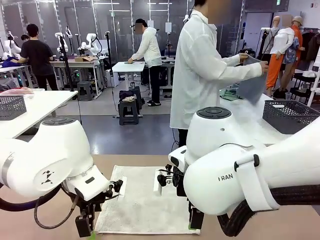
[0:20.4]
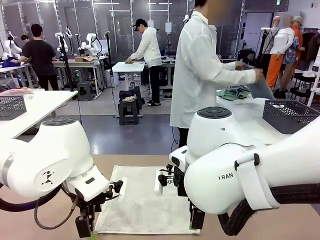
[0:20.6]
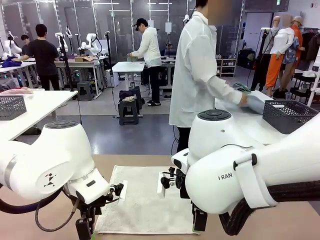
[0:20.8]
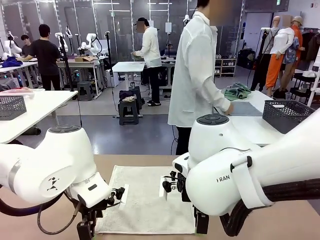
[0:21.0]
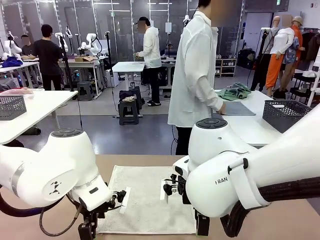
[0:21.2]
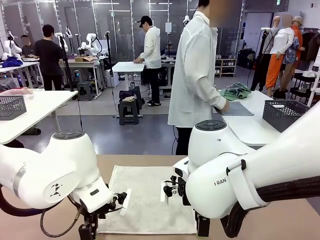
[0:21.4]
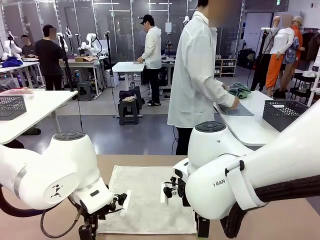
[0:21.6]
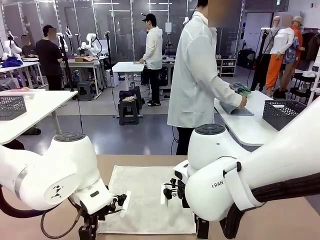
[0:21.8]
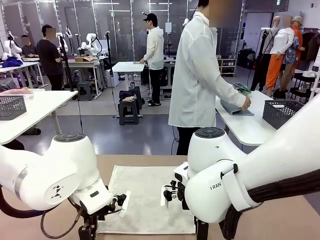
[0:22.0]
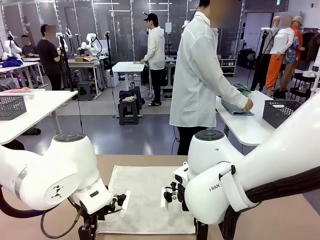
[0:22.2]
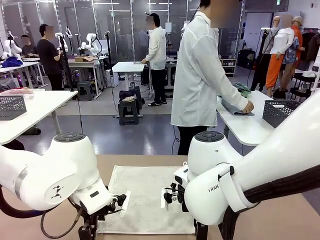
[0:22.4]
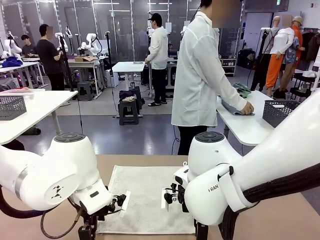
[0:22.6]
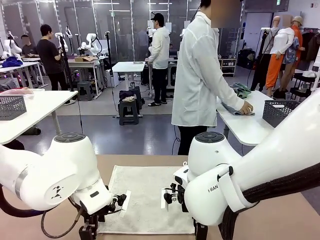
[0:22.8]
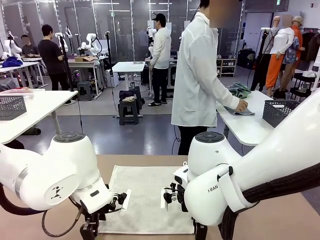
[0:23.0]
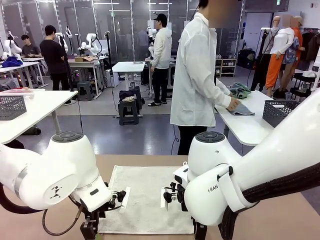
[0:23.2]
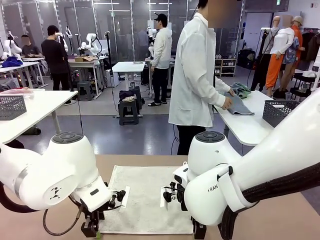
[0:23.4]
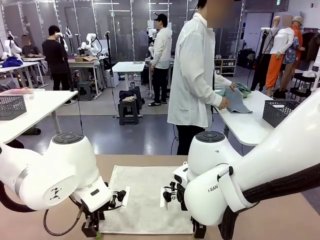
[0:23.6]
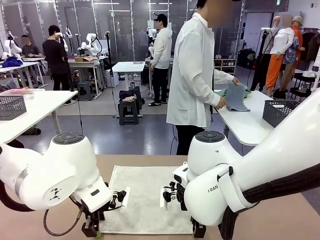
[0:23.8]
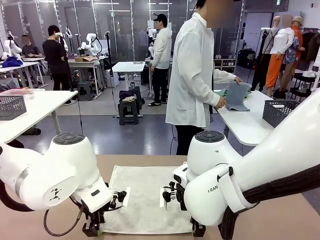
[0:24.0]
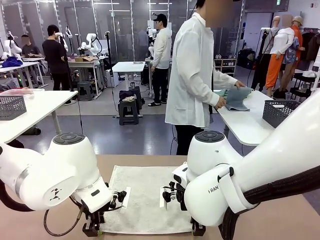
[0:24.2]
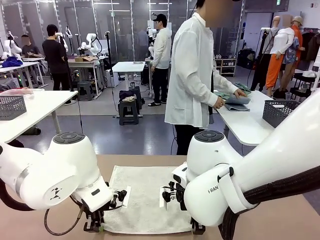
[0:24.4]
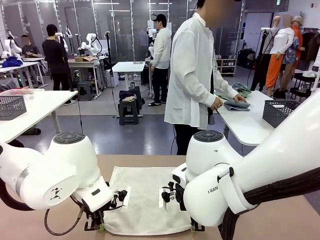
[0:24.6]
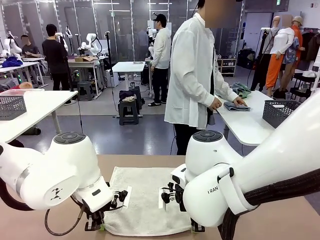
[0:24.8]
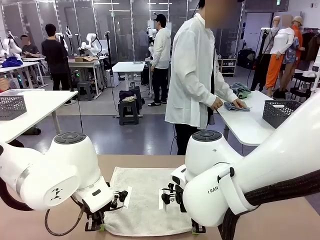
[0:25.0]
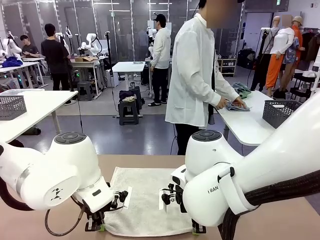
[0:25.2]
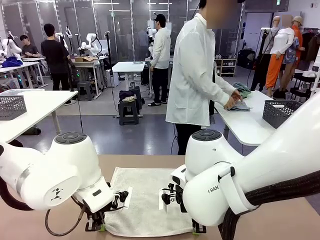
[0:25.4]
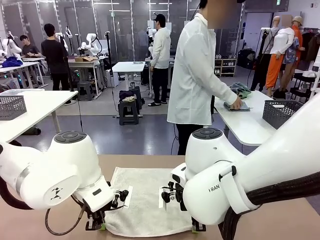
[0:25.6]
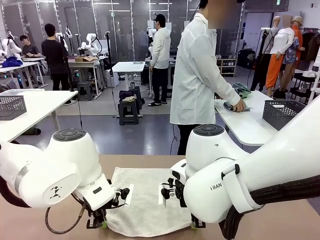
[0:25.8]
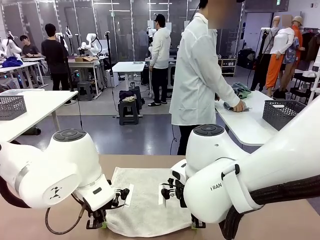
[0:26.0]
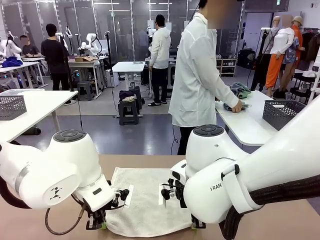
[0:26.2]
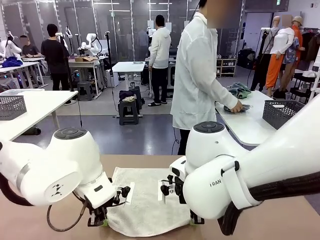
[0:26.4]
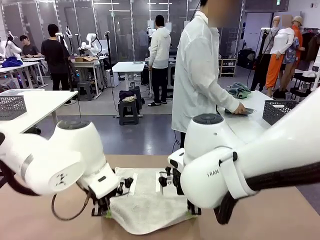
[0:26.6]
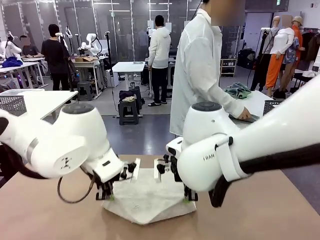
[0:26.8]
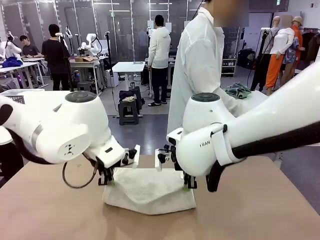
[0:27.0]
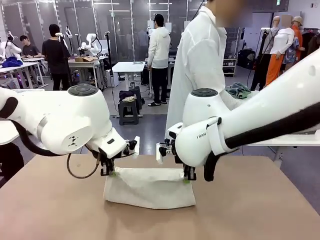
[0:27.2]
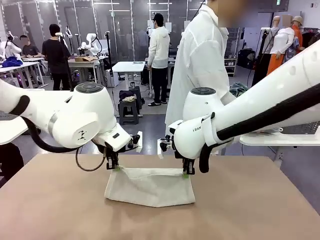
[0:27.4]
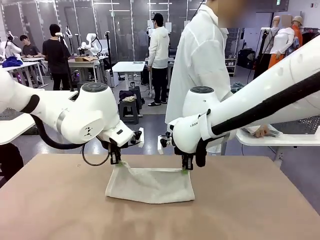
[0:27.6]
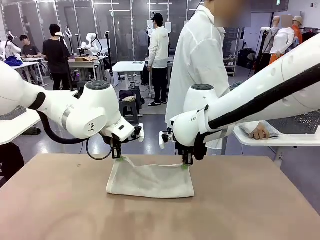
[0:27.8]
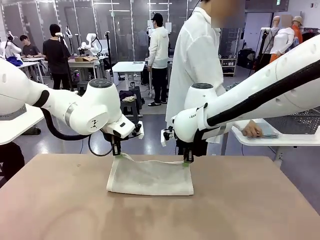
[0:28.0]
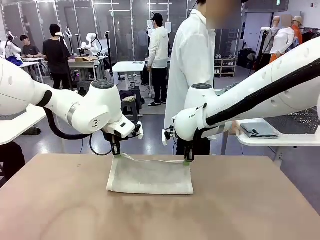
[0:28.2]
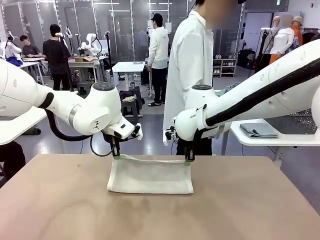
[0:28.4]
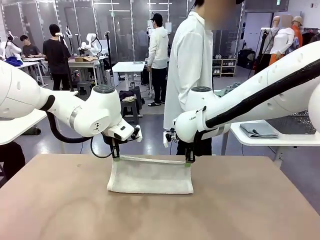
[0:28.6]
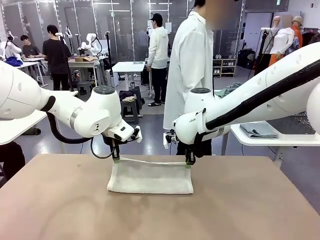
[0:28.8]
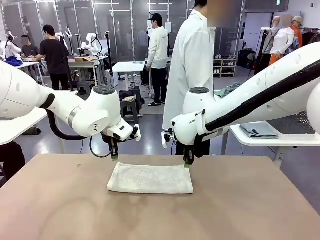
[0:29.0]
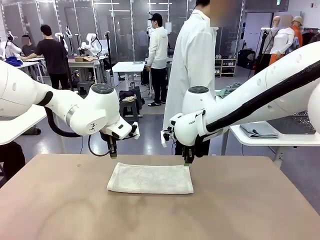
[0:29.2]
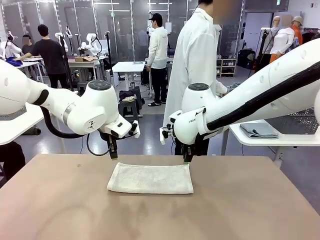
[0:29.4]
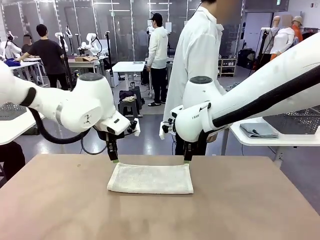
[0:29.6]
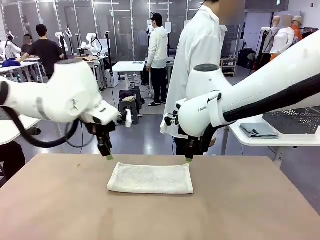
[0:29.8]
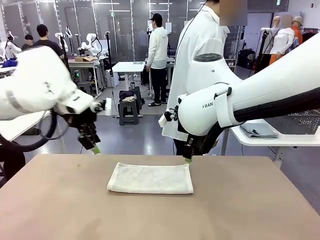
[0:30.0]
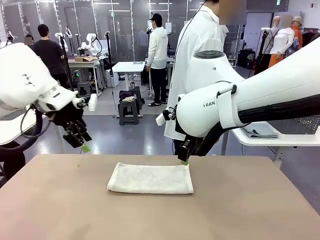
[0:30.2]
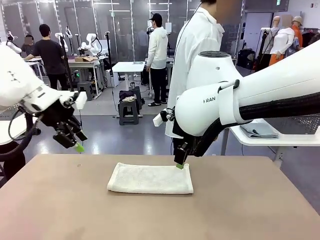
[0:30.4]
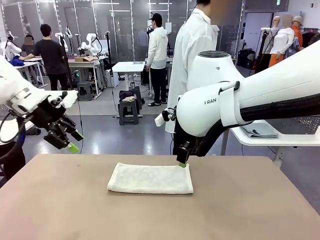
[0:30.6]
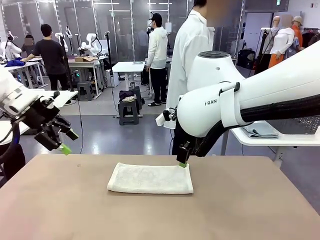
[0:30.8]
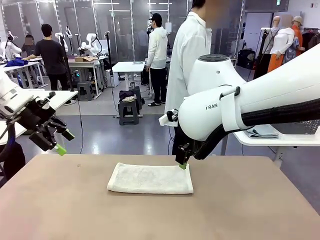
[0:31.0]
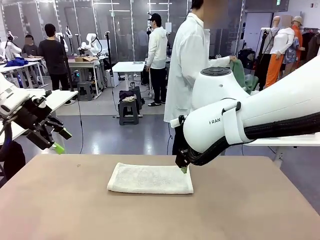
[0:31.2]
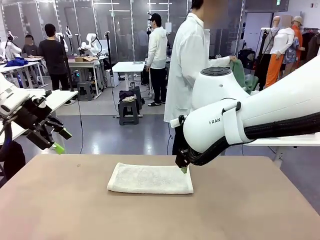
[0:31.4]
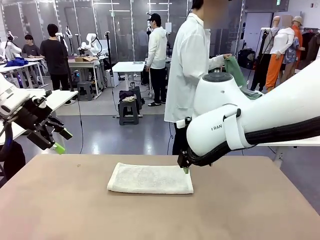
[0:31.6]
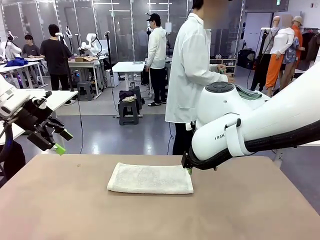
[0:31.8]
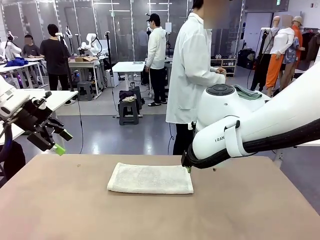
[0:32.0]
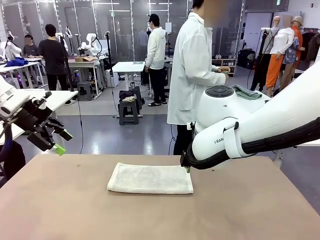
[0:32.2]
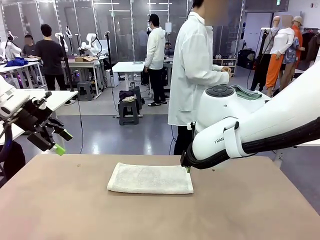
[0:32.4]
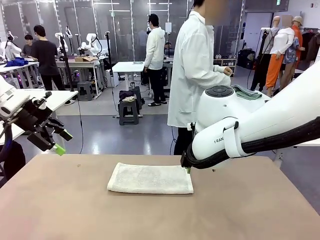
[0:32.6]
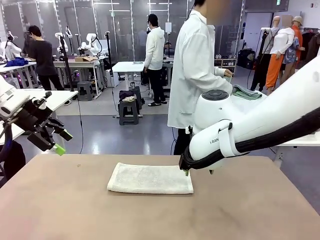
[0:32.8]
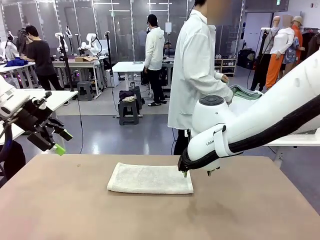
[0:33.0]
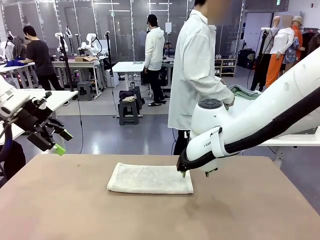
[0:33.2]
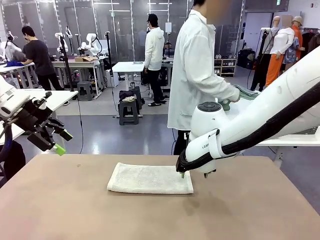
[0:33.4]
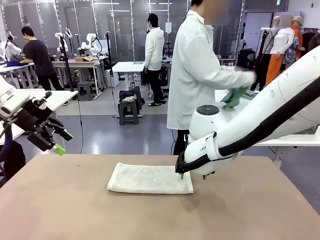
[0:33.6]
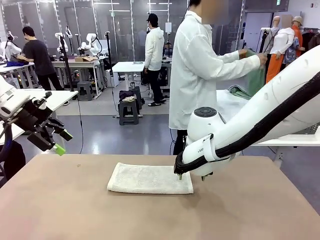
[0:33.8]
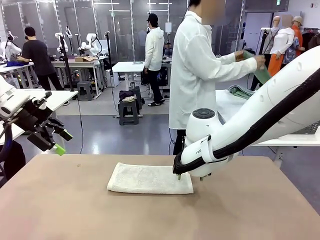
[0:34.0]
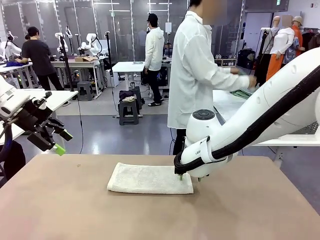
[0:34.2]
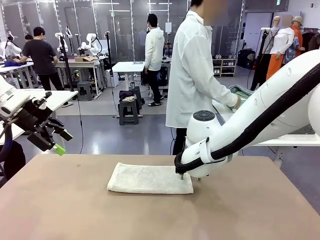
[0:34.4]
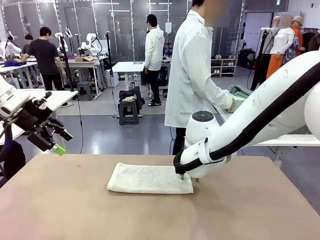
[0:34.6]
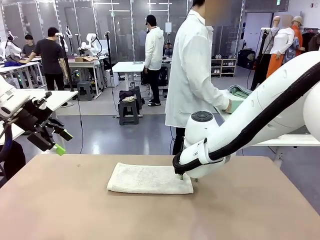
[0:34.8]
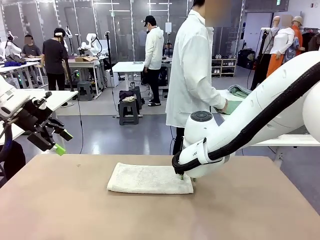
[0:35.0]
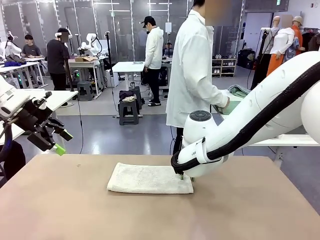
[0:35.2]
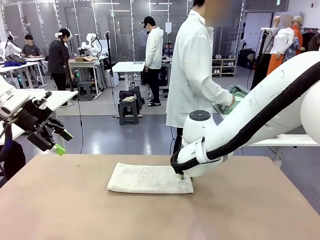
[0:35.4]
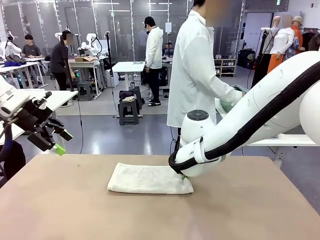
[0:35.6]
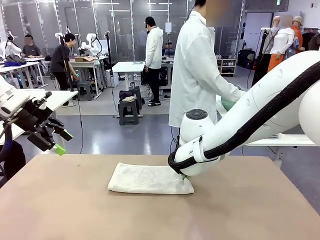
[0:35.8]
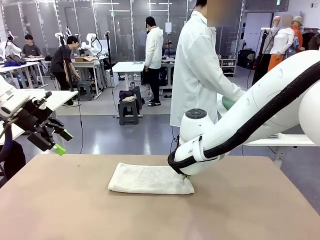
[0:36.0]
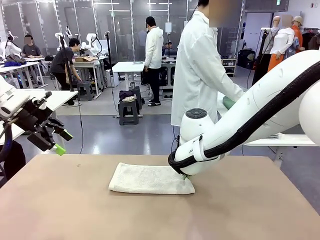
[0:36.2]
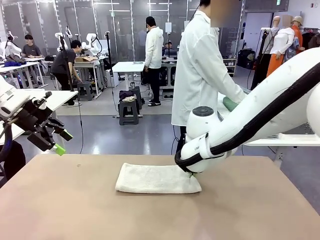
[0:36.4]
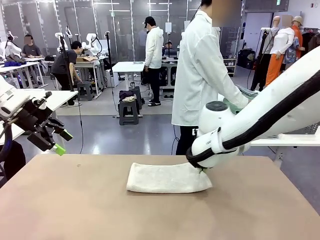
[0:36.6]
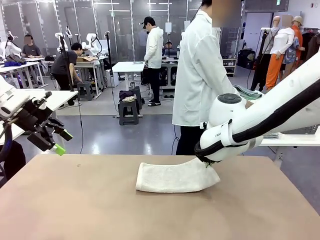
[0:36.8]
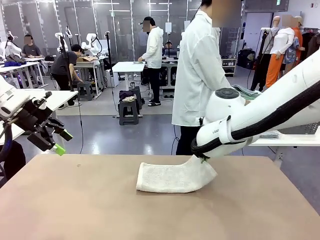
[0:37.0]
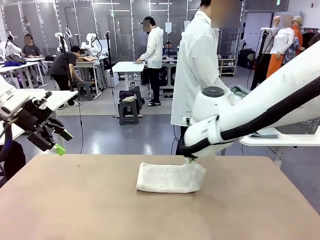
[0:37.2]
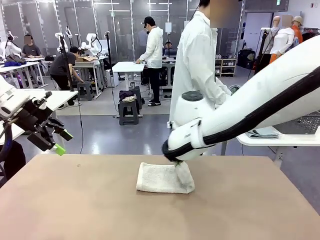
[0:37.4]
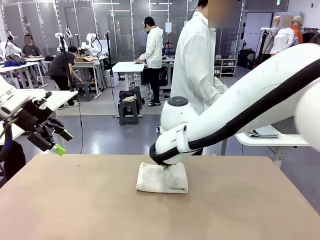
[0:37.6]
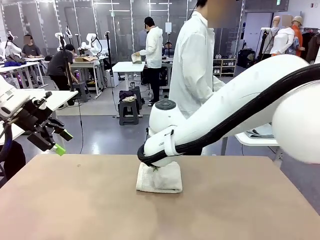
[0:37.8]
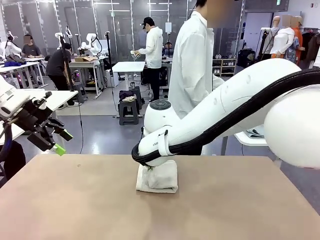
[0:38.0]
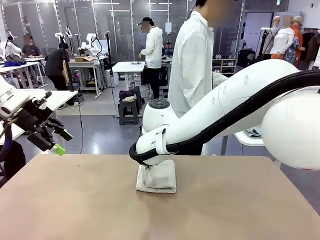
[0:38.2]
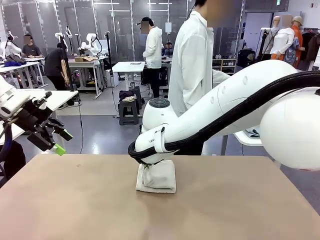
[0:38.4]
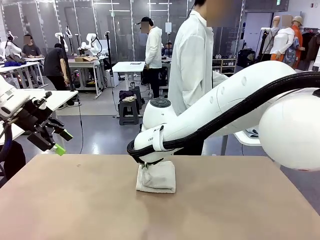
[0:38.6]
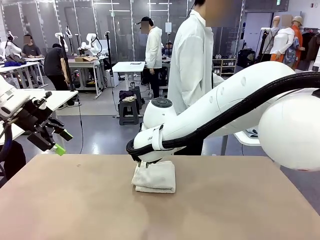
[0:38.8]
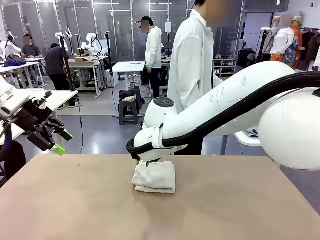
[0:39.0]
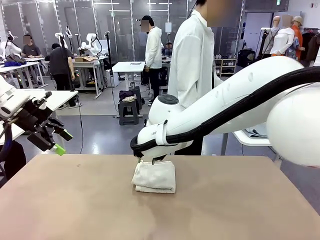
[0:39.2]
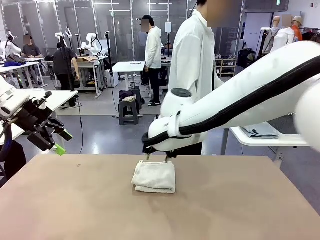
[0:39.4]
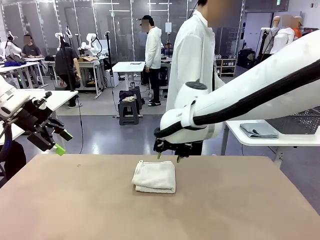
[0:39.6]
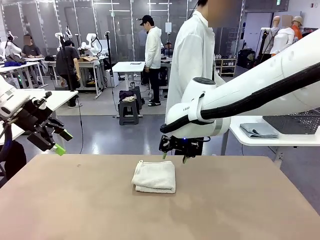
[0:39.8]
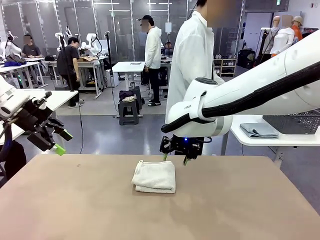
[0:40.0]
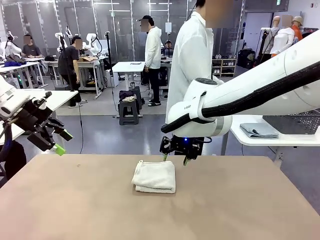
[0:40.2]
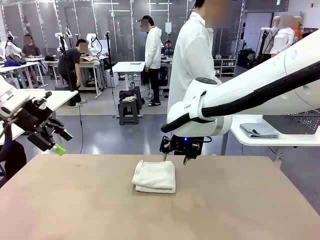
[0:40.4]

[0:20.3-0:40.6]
Task: Fold the towels and place them in the basket.
Robot: When a person lays out a Towel with hook on the table, fold it in half twice.
Person: Pick up one towel from the left side of the human table, fold it in half twice, and place it on the right side of the table. Pick up one towel from the left side of the human table, fold it in half twice, and stack it on the right side of the table.
